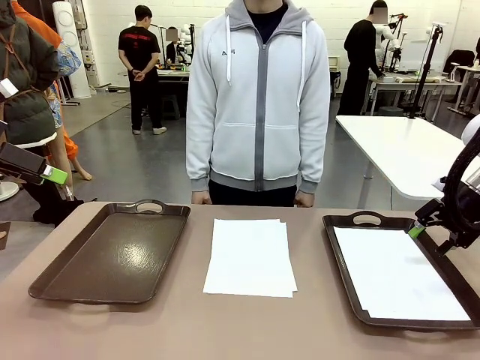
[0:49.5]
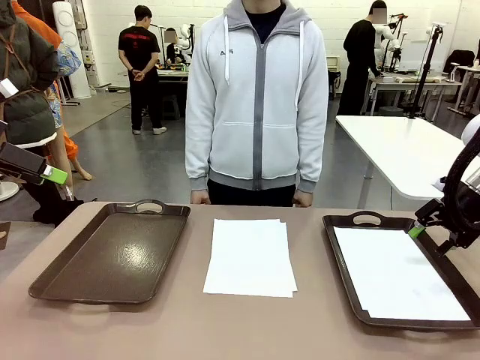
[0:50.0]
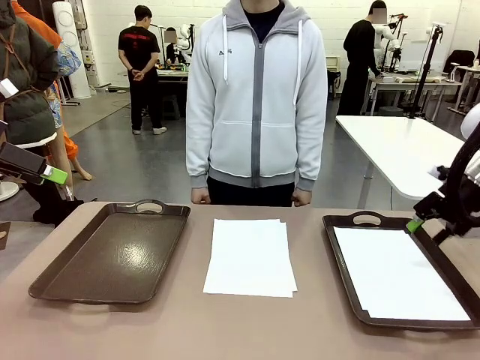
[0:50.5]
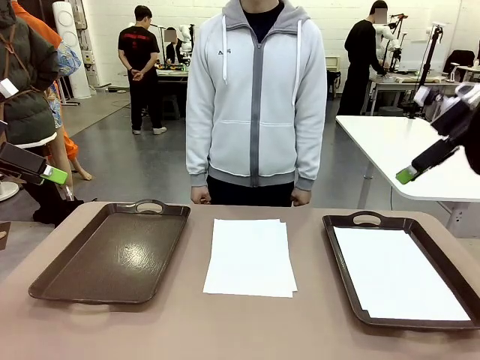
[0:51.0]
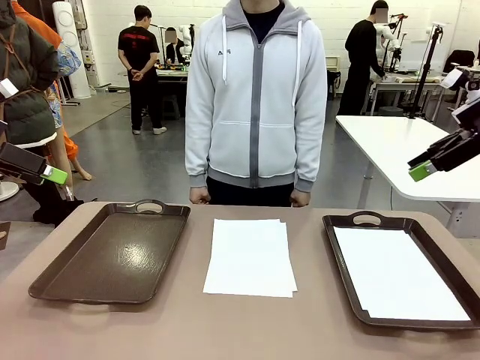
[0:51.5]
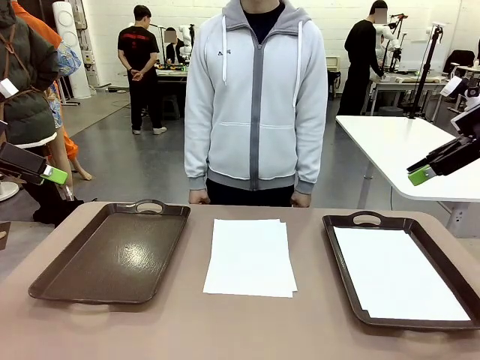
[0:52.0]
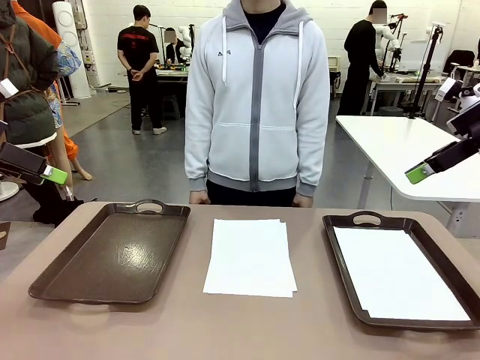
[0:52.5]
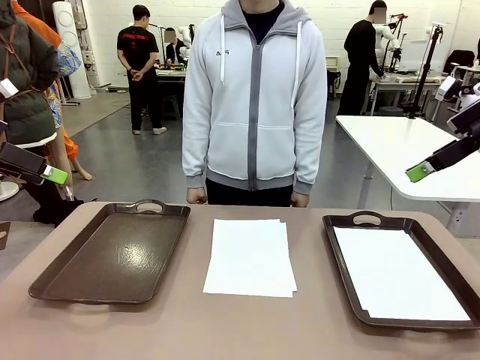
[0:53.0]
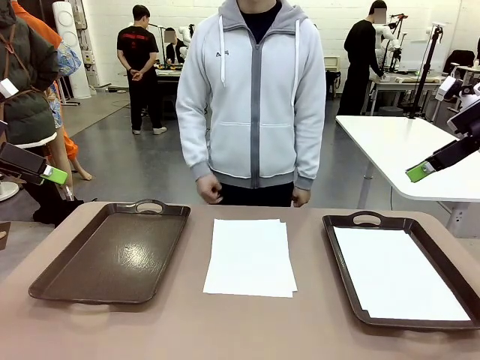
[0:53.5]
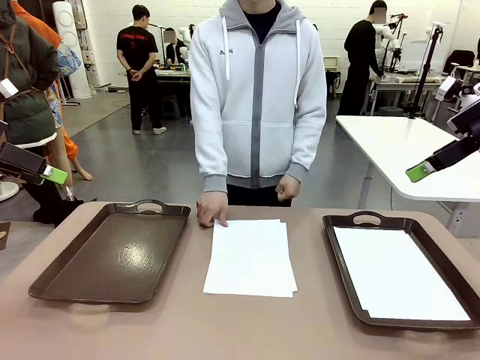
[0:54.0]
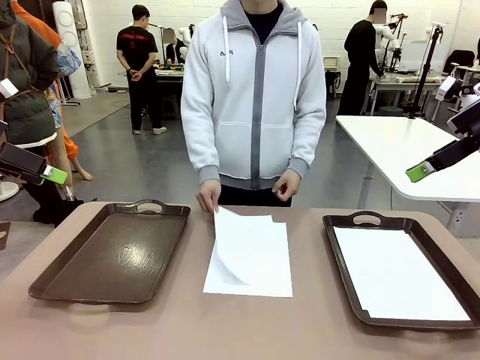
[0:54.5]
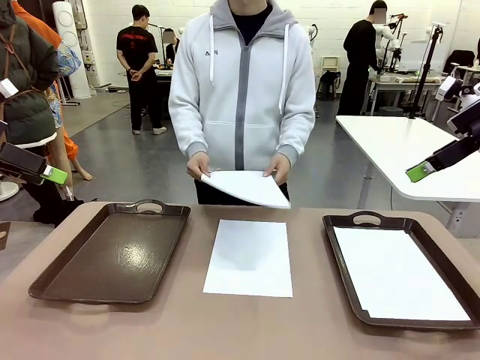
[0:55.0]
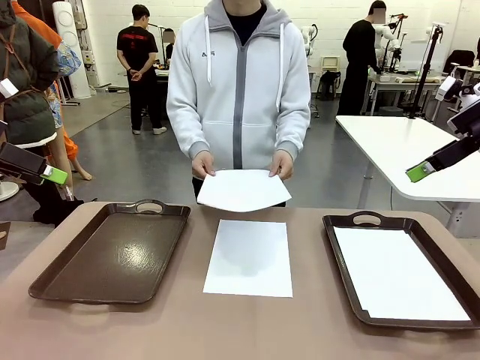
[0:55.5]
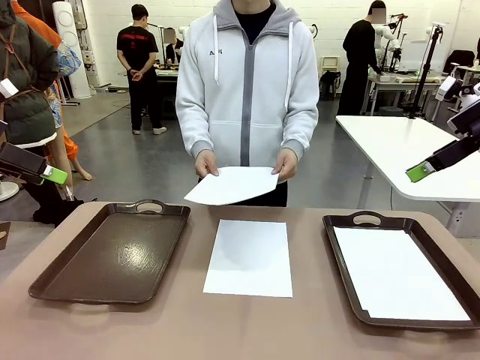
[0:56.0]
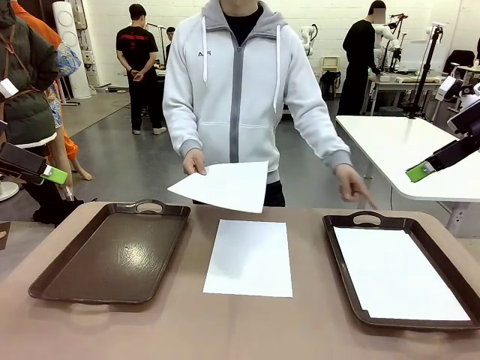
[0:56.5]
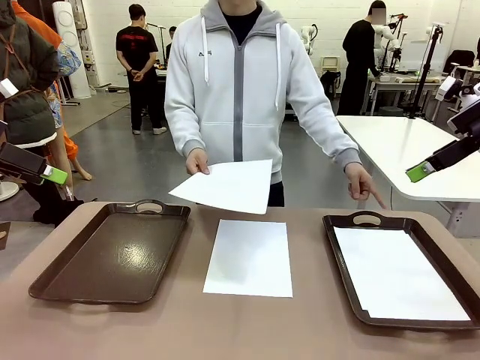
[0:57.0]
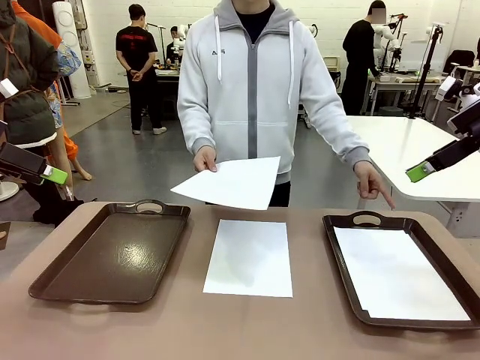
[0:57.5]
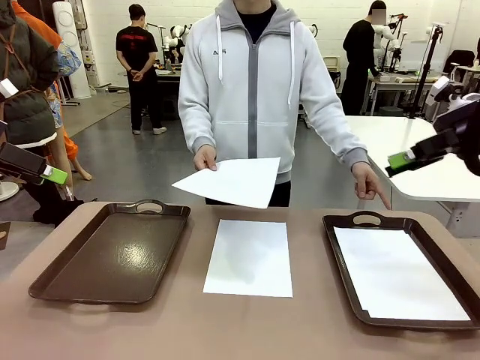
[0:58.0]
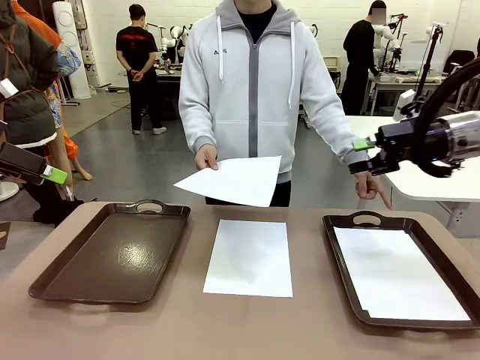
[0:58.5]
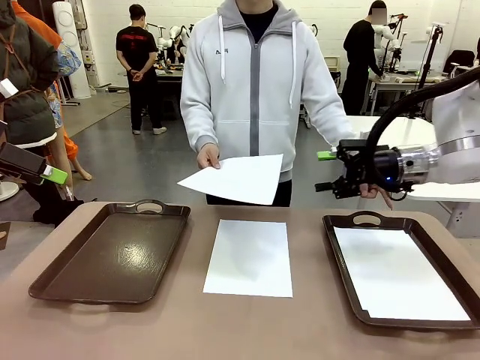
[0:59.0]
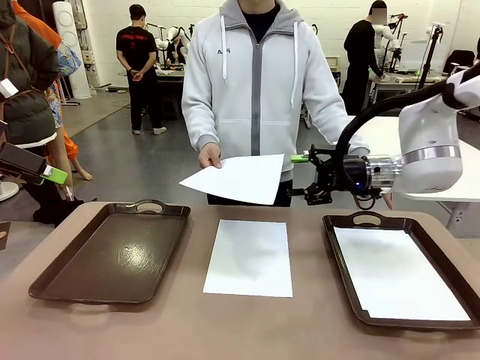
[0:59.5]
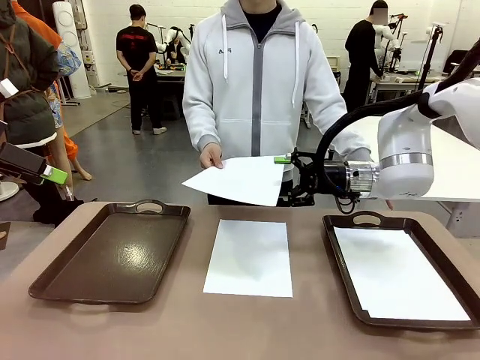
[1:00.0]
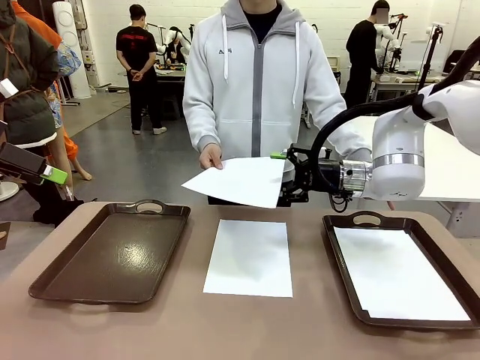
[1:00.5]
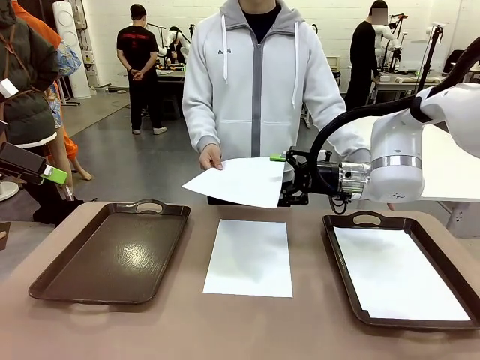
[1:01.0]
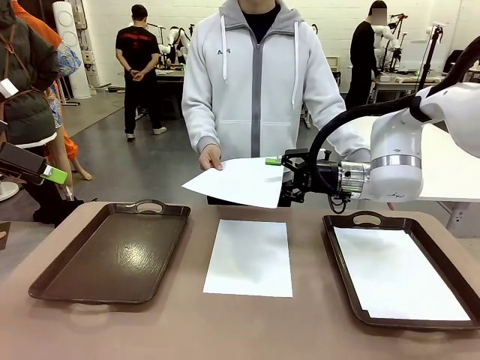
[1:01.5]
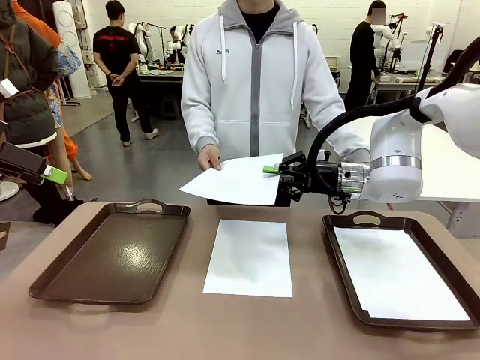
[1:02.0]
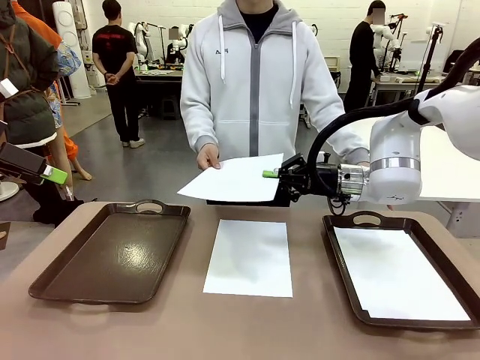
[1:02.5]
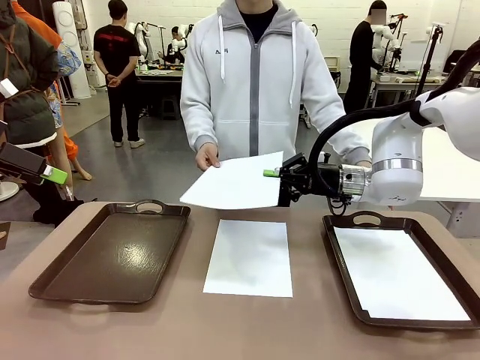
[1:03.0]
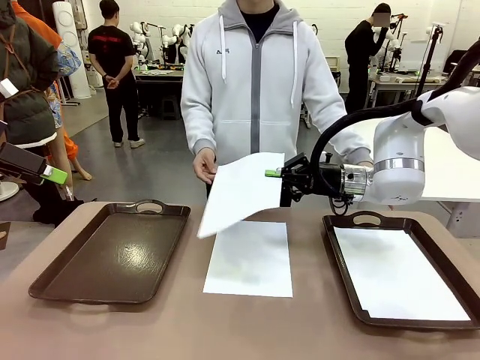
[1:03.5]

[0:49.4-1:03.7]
Task: Sort the A4 documents.
Robot: Receive the A4 Paper.
Person: Point the randomly selected tray with the other hand.

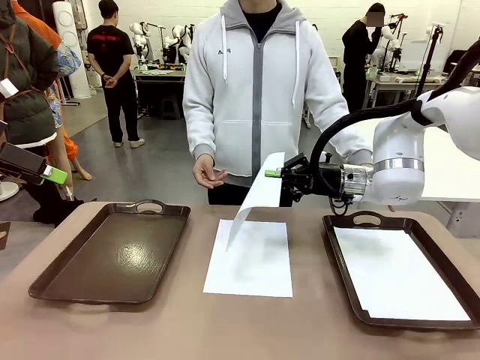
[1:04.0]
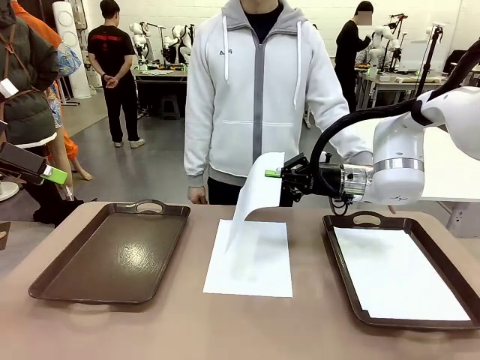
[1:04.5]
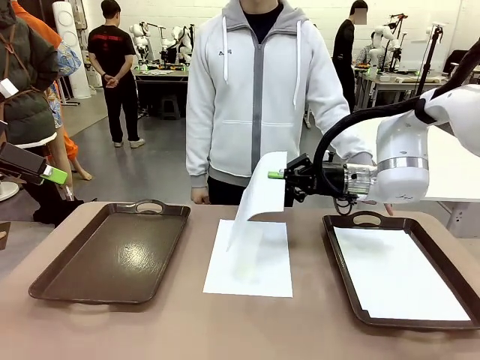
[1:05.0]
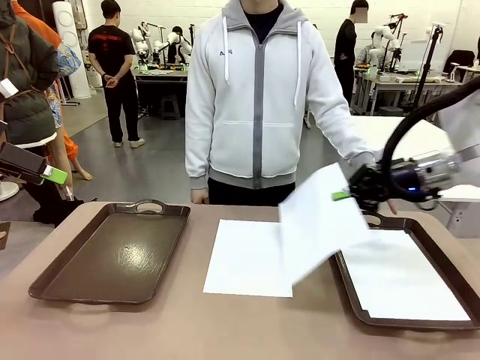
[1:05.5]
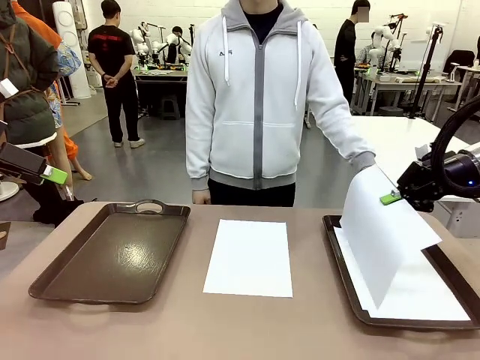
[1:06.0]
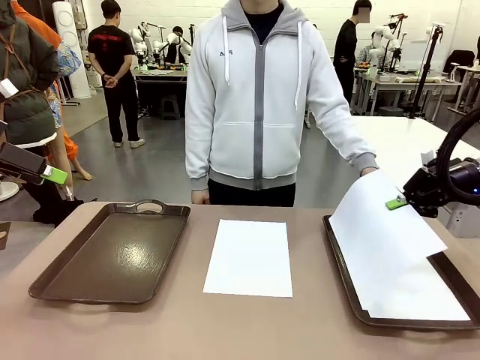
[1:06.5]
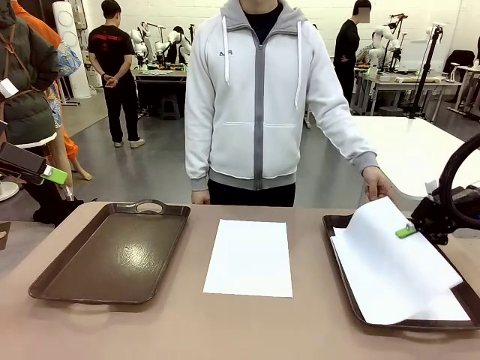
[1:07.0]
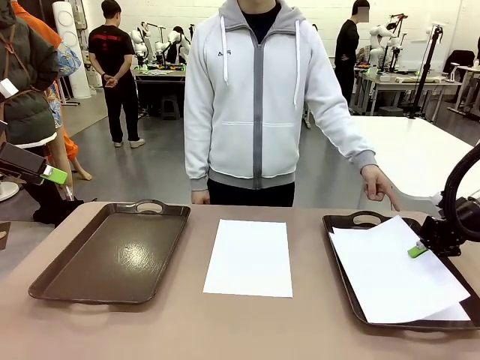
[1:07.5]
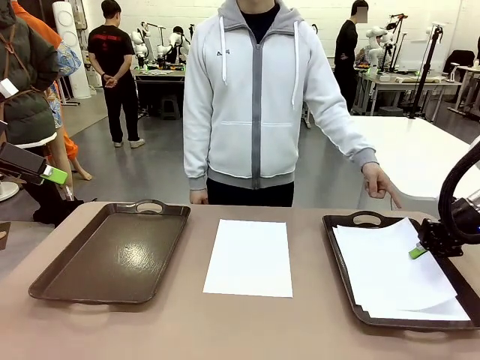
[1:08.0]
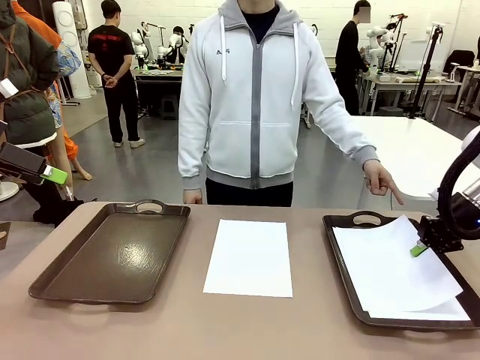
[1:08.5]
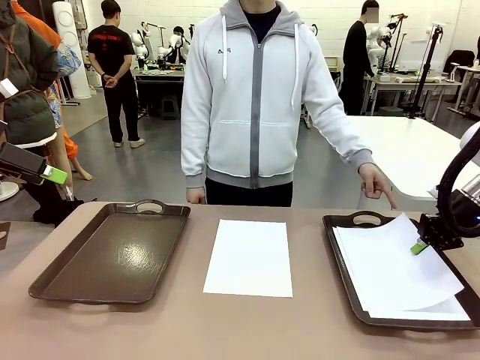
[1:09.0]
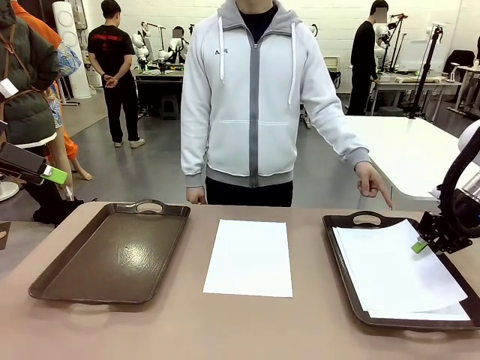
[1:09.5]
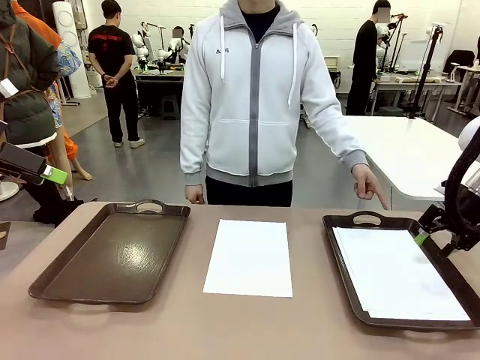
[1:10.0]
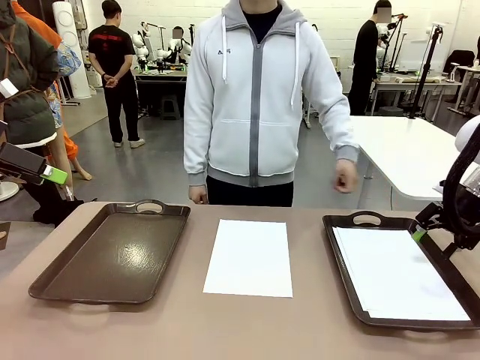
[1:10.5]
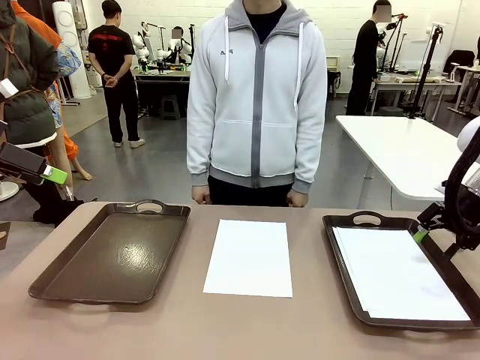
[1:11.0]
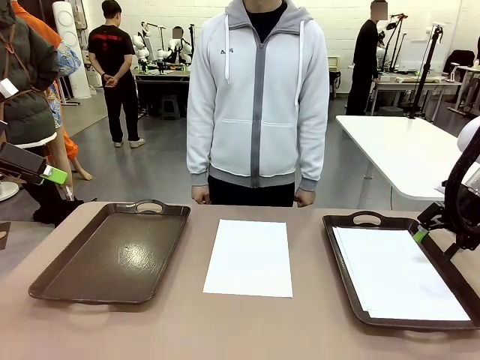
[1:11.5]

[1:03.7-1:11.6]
Robot: Place the A4 Paper in the designated Handle tray.
